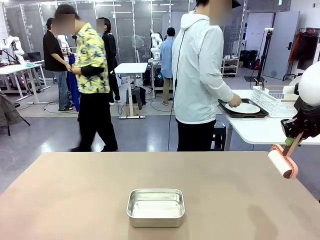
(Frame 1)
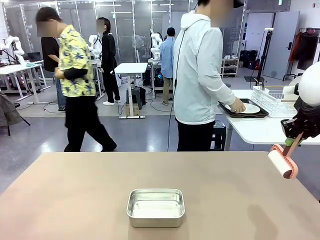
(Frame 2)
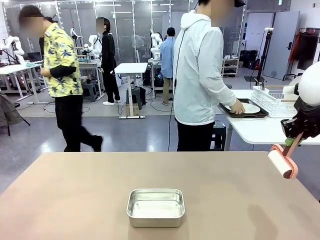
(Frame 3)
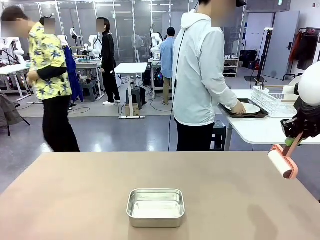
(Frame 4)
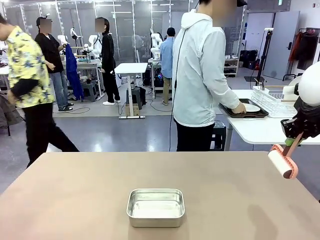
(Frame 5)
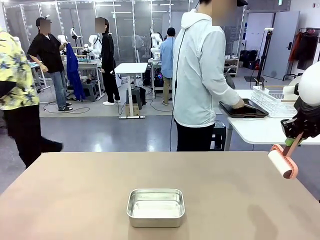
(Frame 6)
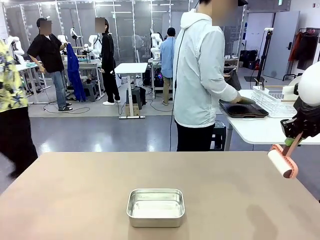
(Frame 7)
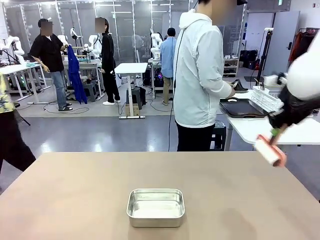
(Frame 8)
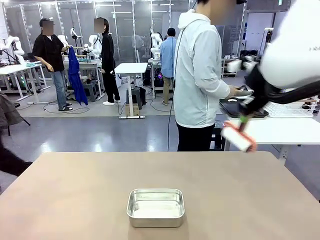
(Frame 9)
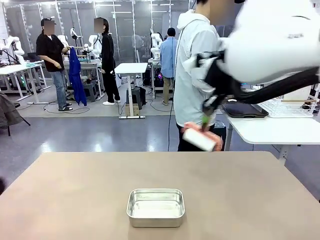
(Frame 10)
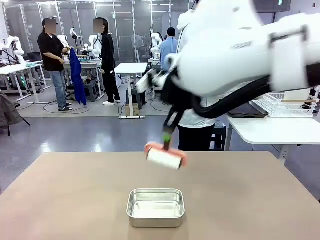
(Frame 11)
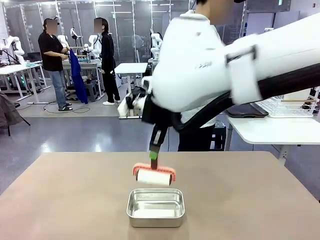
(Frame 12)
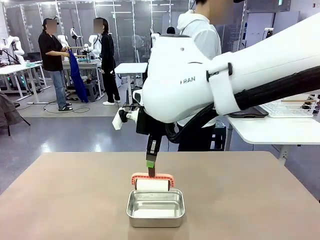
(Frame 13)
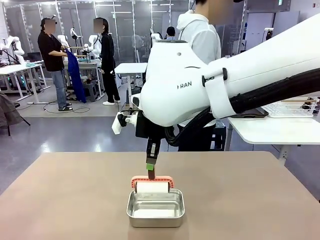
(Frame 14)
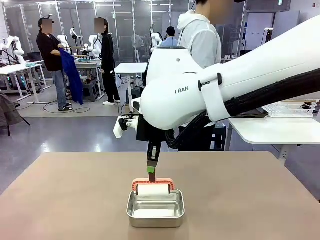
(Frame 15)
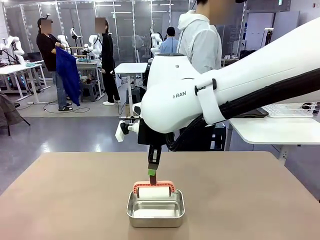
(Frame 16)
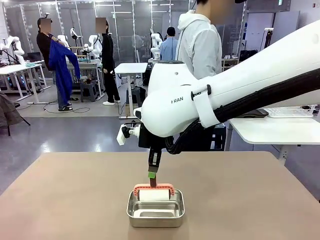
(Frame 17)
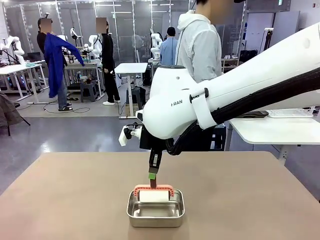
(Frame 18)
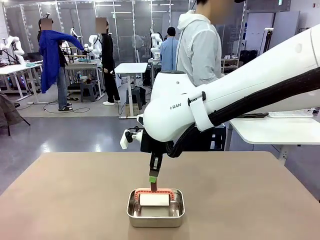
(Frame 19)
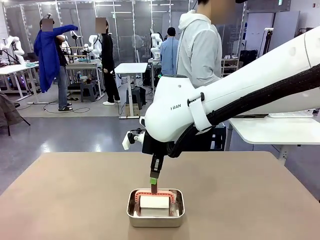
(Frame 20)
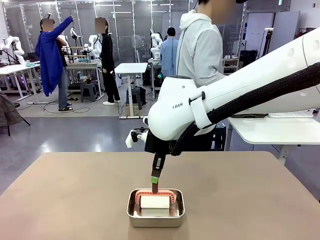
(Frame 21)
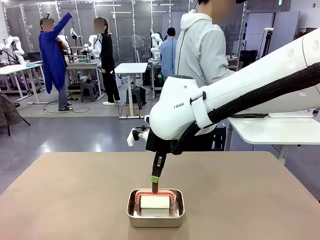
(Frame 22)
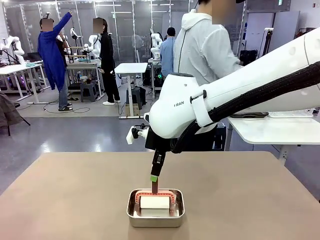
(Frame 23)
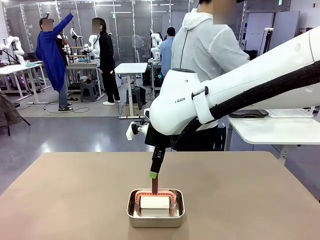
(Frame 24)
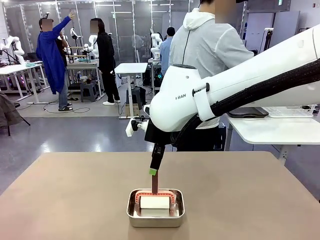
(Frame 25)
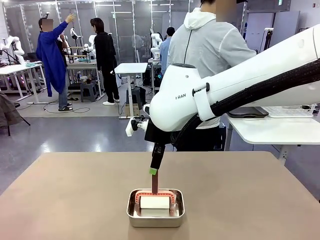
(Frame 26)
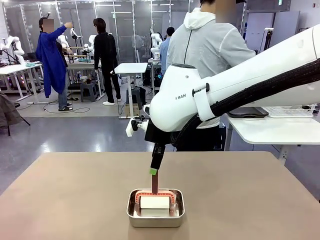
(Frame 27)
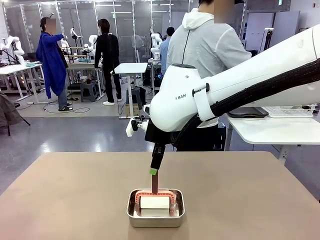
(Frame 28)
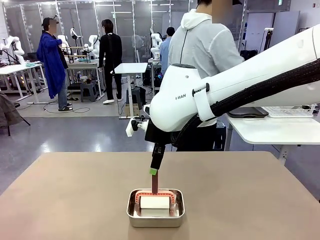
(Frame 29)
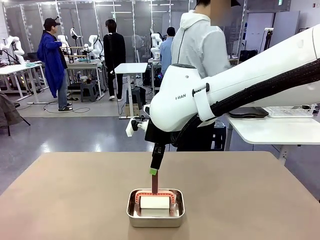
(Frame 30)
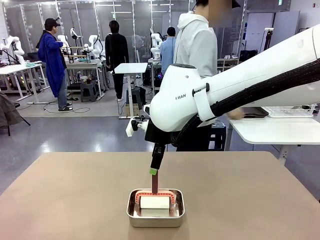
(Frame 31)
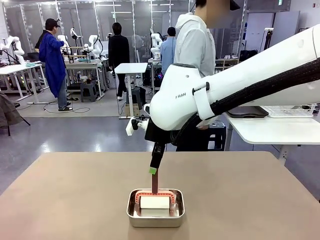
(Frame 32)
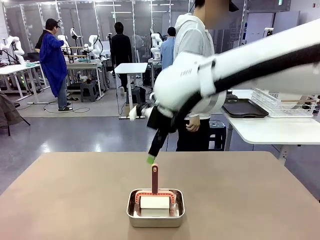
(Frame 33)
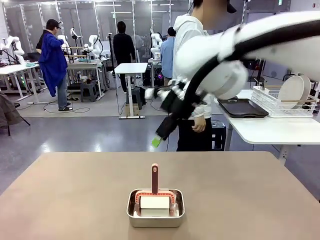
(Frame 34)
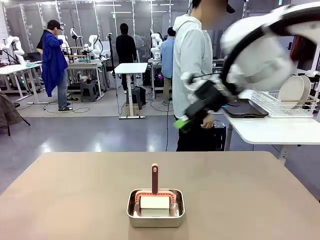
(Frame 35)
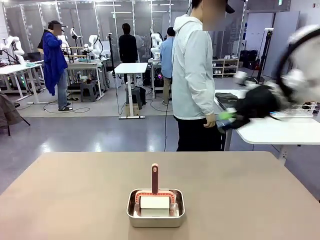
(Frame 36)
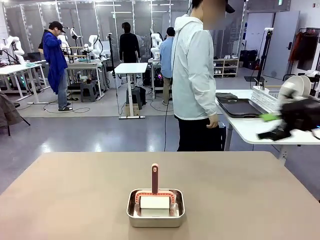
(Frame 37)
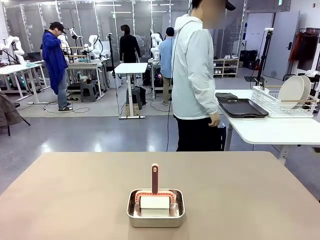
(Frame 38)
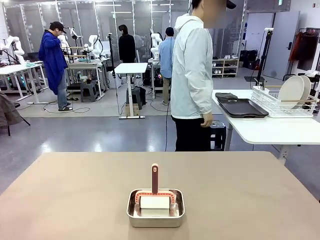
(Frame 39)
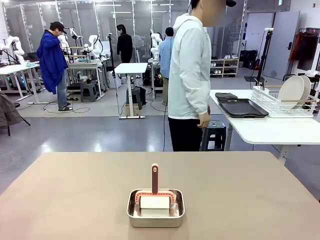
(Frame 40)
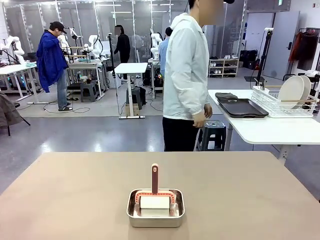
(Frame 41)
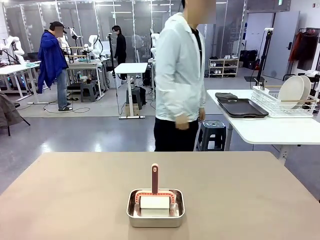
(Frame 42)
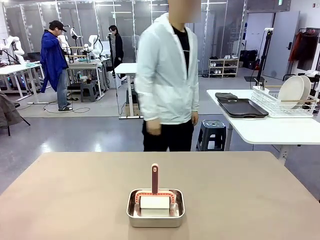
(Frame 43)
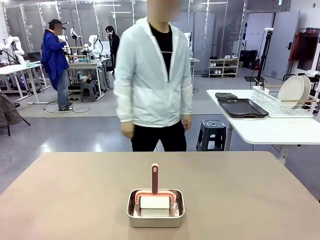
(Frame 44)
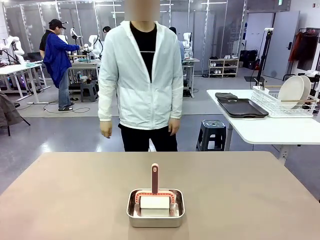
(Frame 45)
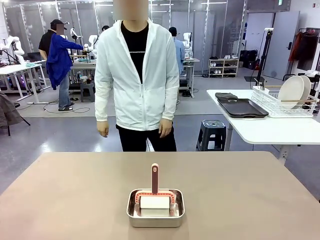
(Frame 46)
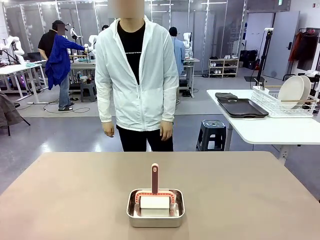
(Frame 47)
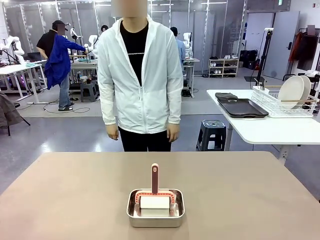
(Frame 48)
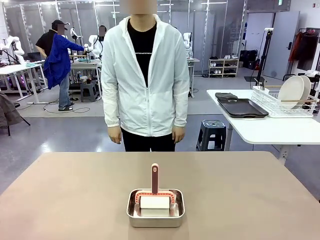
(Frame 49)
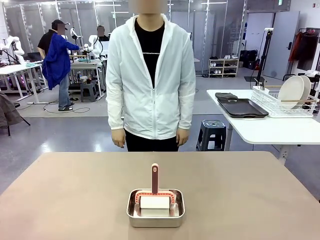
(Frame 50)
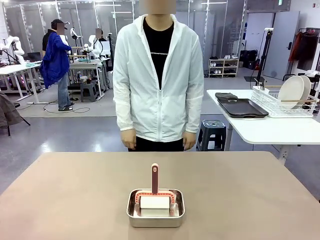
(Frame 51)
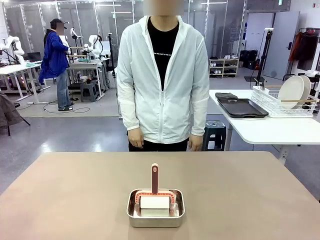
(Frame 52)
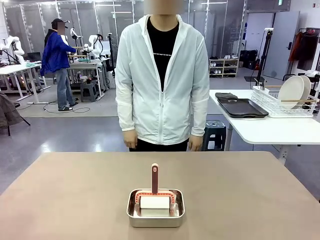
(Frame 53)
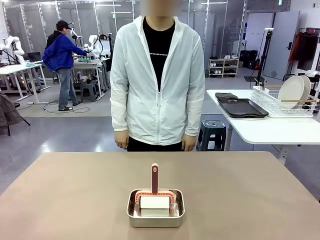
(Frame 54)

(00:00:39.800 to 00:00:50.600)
Robot: Place the Lint Roller back on top of the Airtight Container.
Person: Use the Towel with hook to wipe the Plastic Matte Plate , Fork , and Knife and place into the Dish drying rack.
